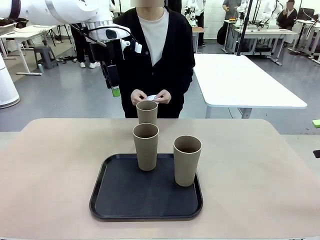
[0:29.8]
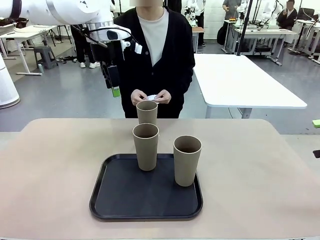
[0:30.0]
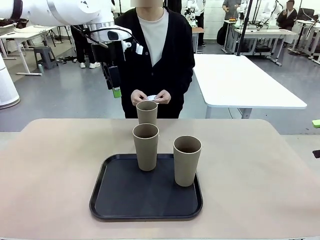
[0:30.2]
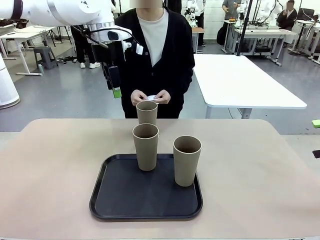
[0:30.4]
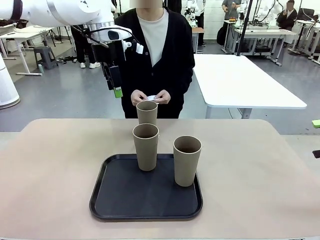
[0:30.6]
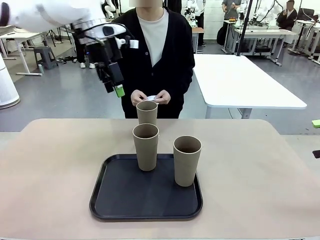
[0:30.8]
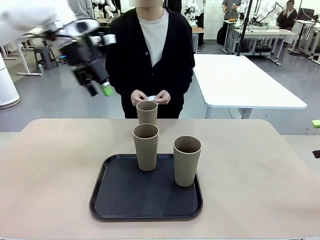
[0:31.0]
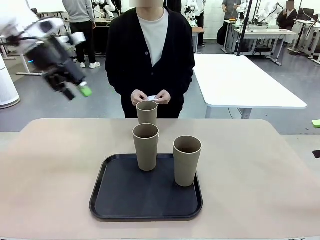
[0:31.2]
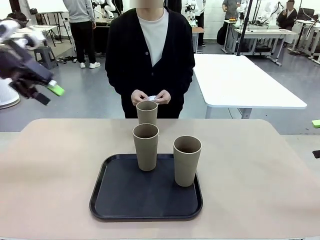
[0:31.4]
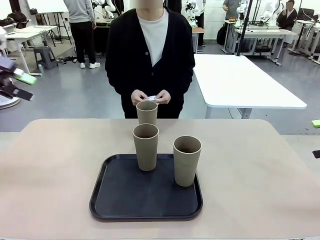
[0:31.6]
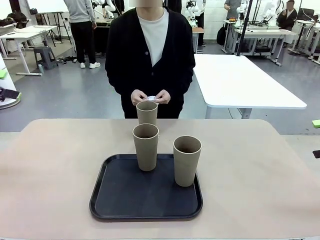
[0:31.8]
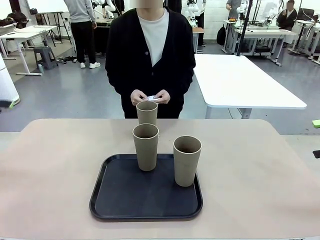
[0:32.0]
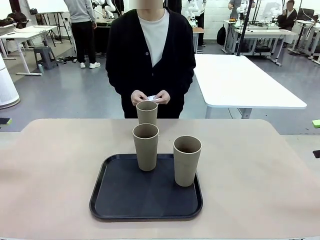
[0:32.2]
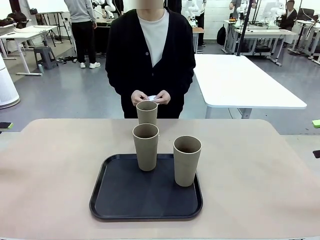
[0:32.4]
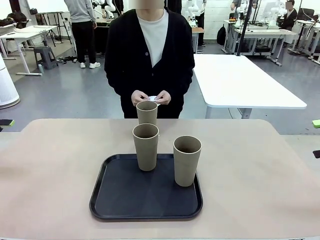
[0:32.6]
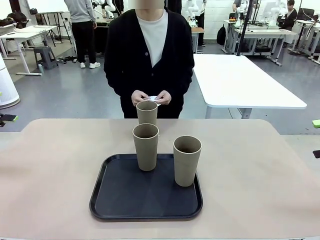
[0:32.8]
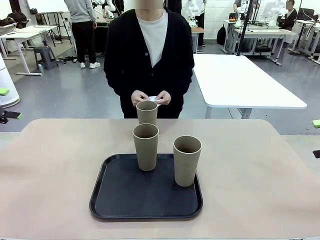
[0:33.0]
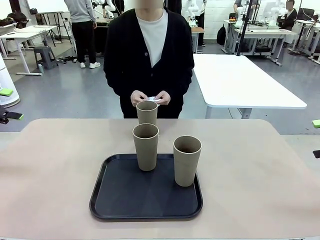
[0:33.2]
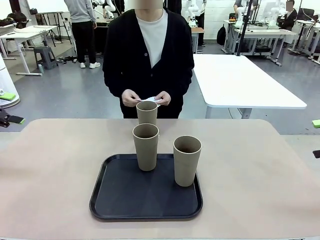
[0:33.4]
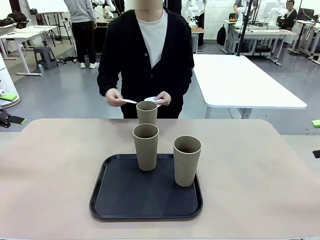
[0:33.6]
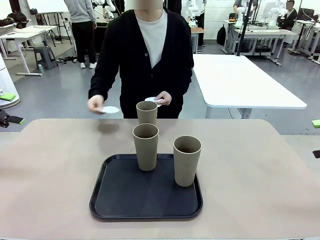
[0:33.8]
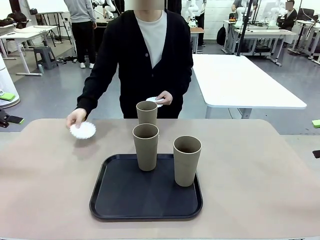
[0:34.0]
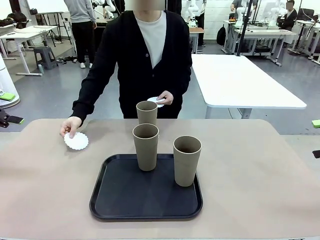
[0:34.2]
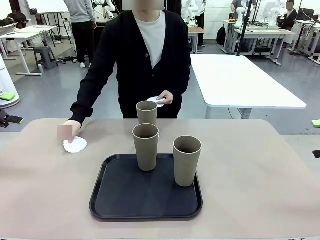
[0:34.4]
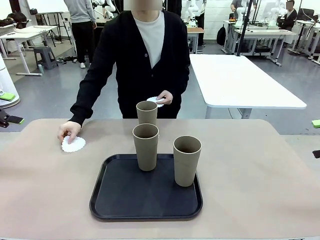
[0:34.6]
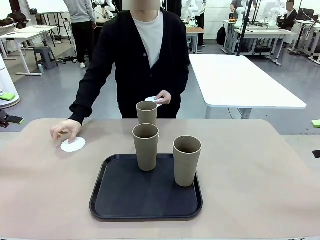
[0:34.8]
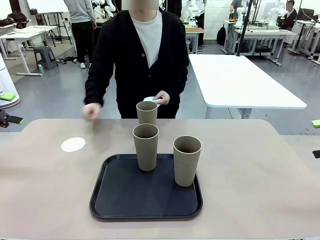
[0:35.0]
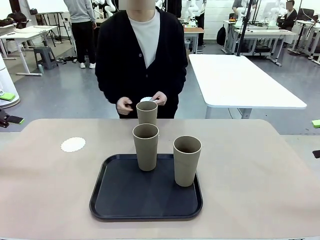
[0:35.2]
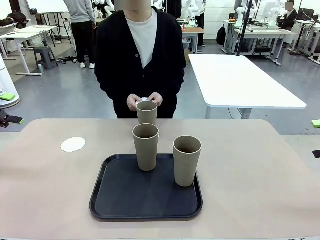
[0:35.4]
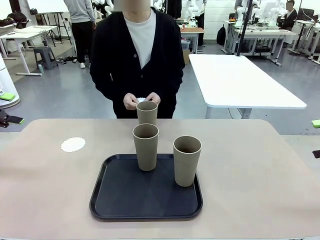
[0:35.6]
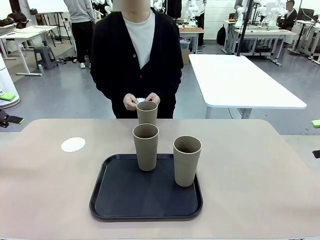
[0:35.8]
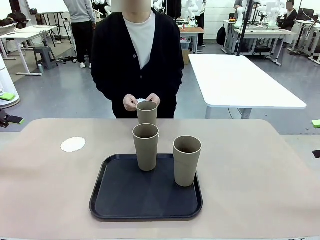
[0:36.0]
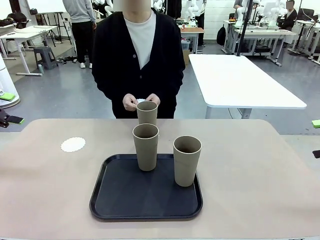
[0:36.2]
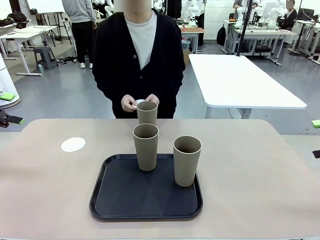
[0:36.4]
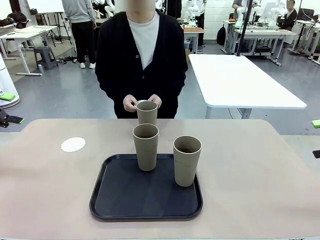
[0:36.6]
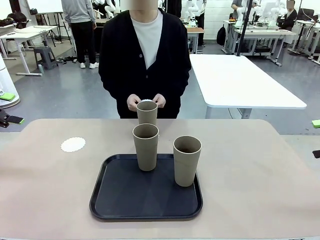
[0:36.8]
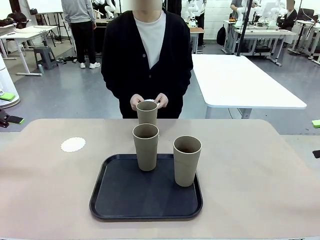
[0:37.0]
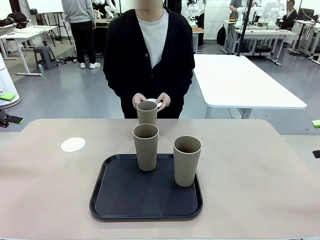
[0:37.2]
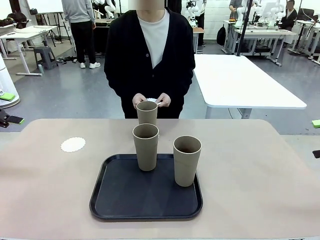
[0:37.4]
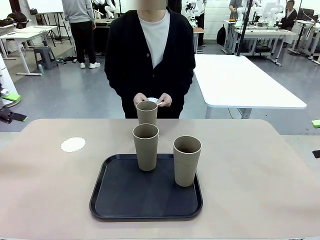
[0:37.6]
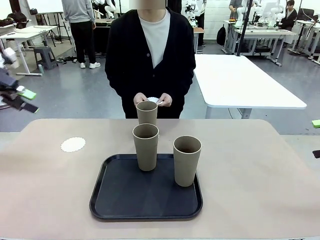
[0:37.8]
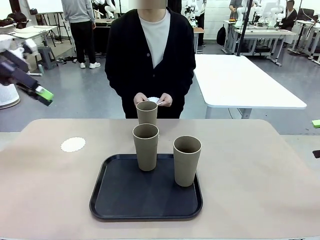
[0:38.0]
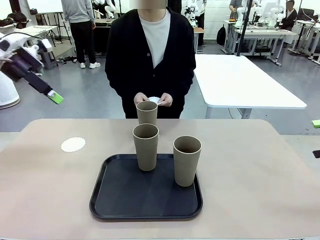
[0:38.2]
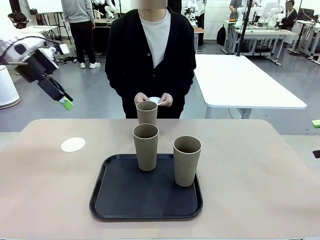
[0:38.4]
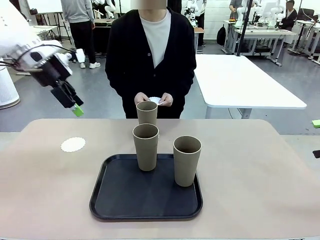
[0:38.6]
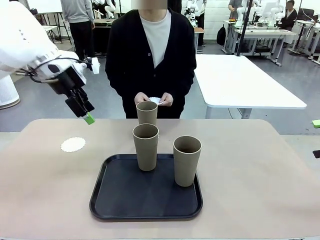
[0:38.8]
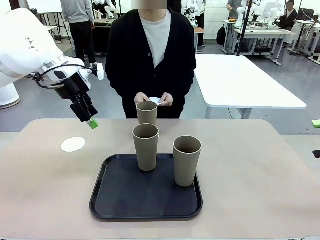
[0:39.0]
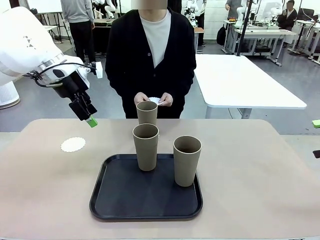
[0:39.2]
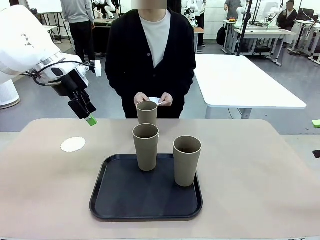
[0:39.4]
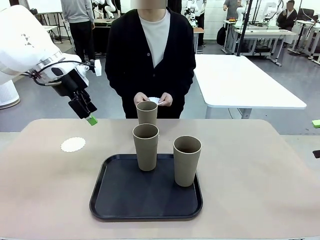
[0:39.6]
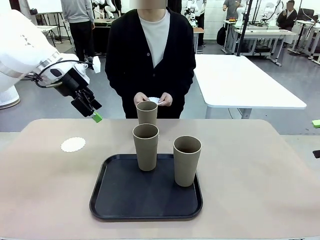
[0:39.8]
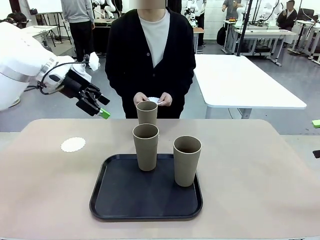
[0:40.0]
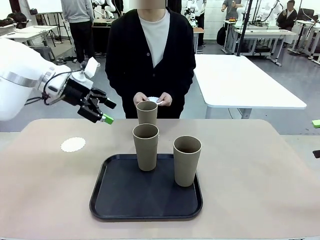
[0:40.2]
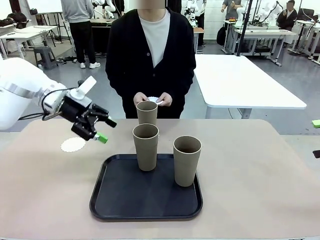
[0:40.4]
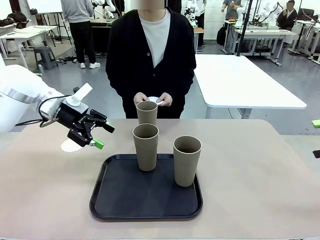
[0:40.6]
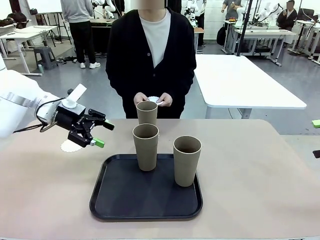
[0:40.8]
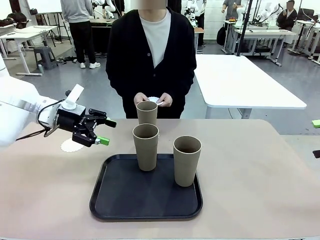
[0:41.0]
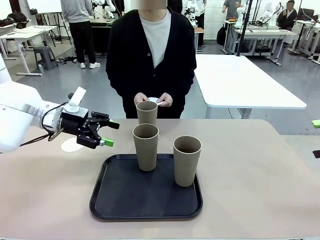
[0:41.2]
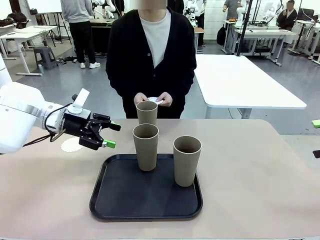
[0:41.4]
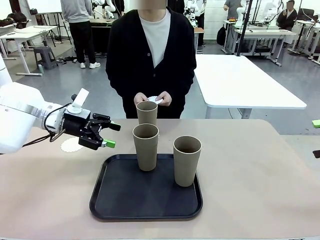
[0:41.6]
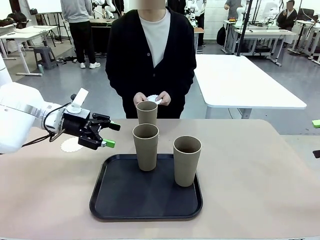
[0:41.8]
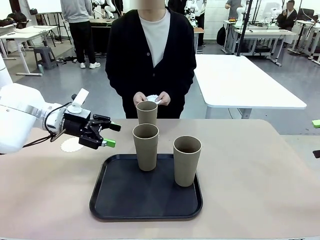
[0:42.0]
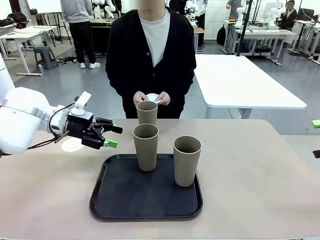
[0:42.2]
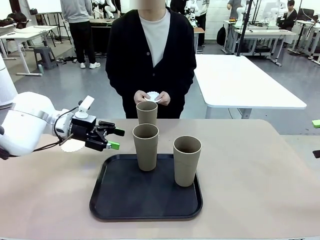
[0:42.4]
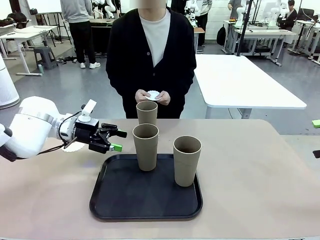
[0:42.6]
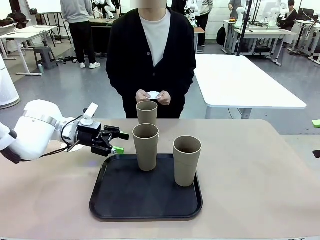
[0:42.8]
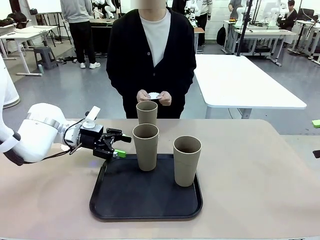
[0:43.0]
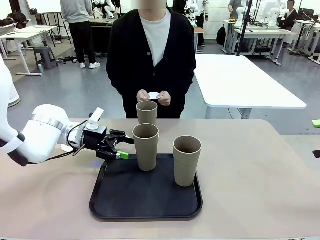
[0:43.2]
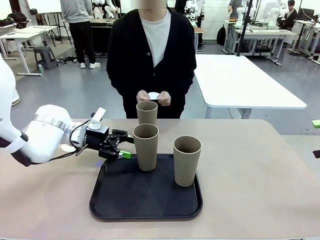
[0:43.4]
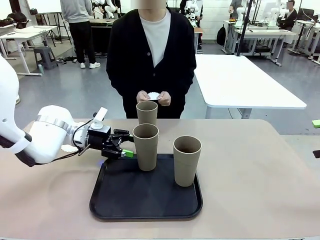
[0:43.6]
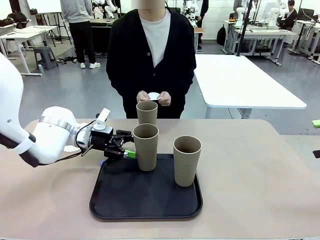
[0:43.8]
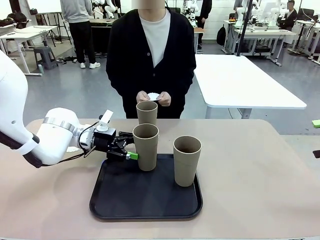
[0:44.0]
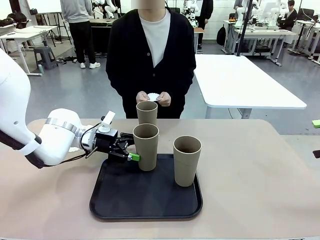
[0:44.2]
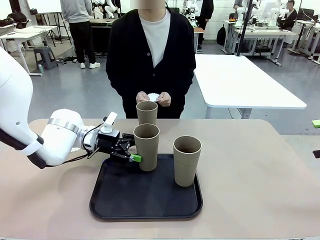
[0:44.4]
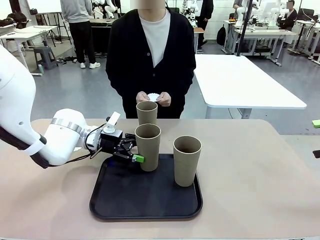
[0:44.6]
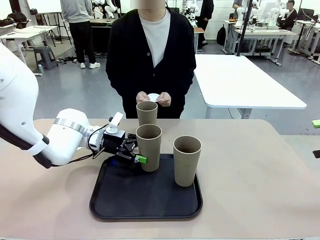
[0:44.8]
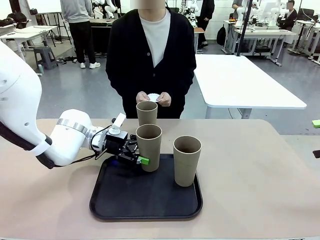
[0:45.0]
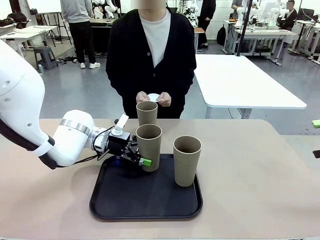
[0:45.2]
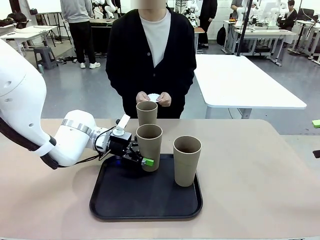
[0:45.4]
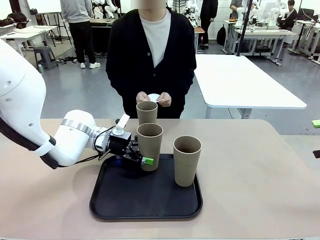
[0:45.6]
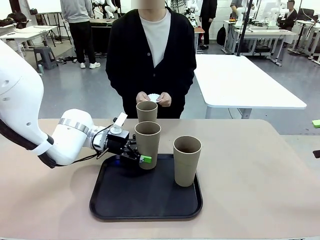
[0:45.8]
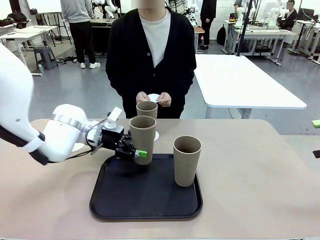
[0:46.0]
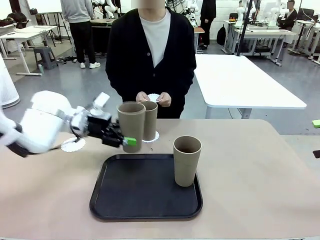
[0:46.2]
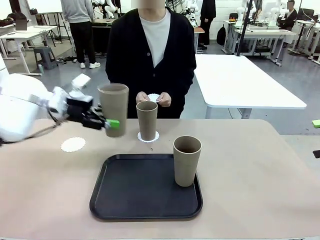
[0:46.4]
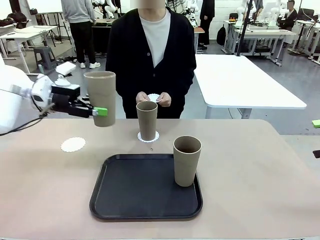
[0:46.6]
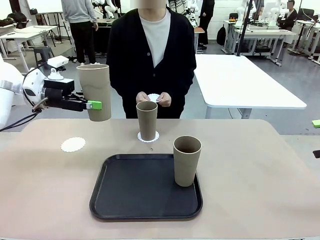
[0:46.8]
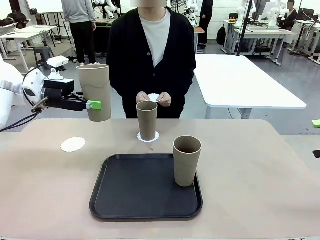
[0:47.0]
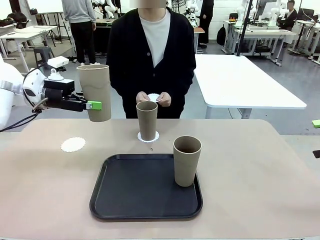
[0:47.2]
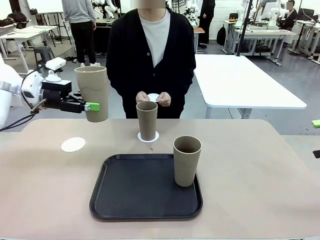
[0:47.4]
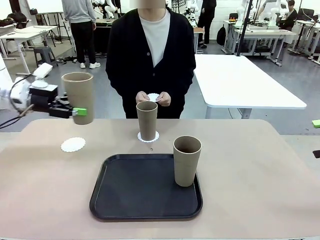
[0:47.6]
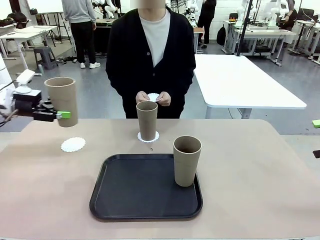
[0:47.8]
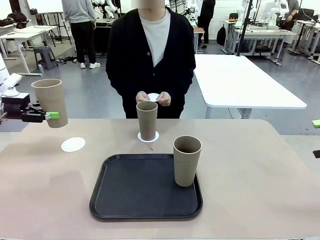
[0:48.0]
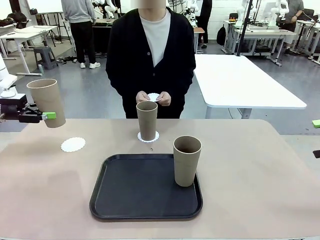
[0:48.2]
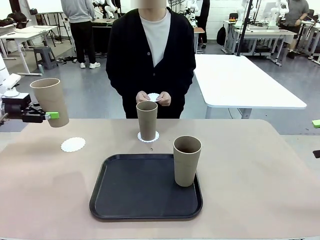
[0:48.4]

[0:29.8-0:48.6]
Task: Place coasters on the table and set cups on them.
Robot: Take one Reusable plastic cup from the Flat Tray and place it on a coaster set by the human.
